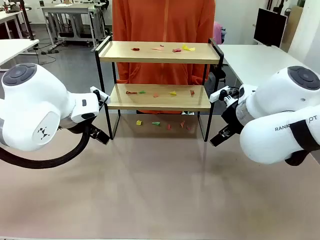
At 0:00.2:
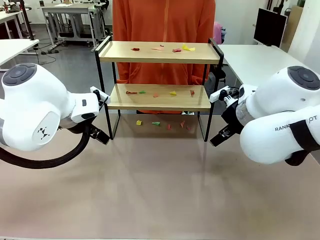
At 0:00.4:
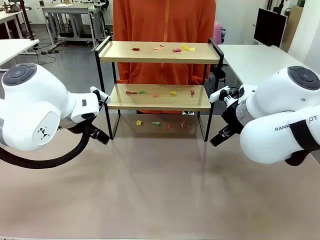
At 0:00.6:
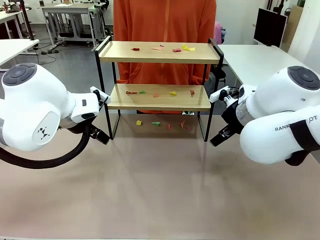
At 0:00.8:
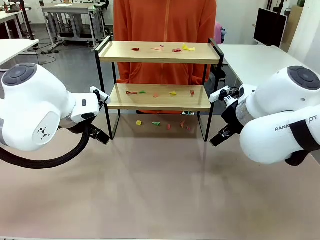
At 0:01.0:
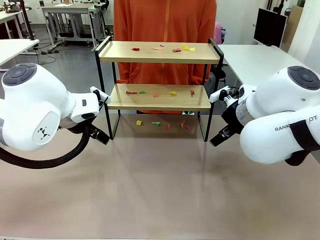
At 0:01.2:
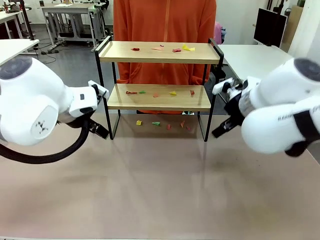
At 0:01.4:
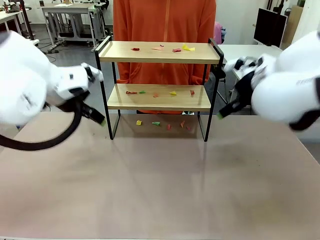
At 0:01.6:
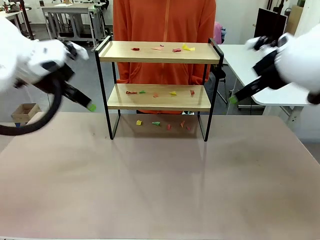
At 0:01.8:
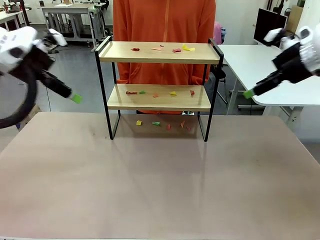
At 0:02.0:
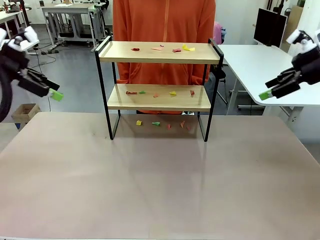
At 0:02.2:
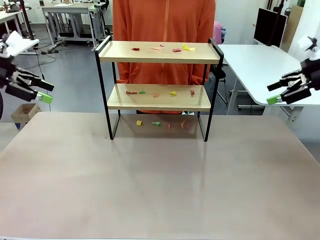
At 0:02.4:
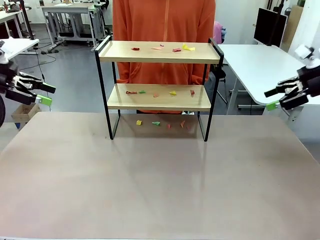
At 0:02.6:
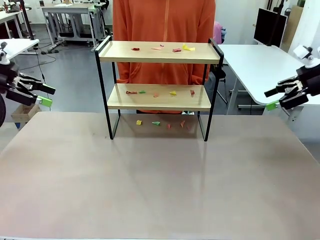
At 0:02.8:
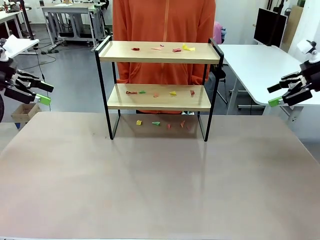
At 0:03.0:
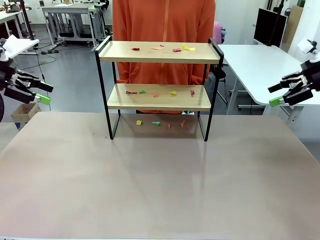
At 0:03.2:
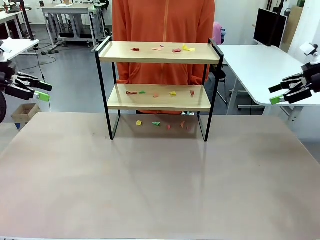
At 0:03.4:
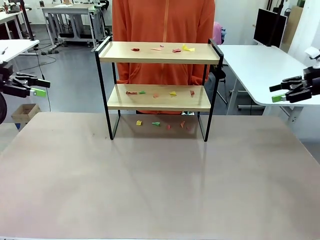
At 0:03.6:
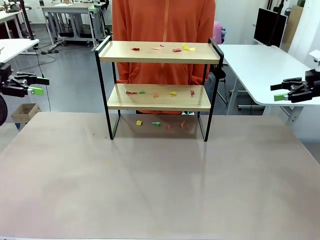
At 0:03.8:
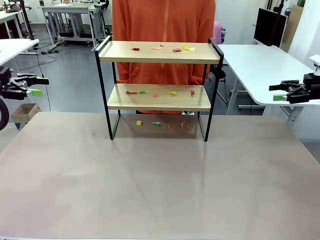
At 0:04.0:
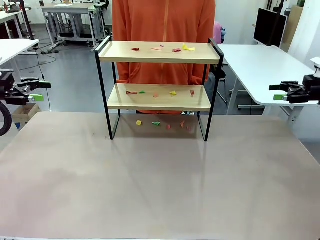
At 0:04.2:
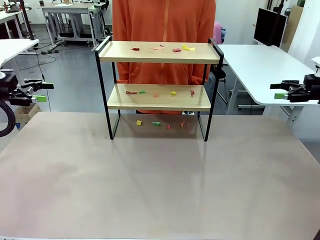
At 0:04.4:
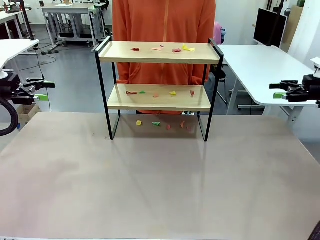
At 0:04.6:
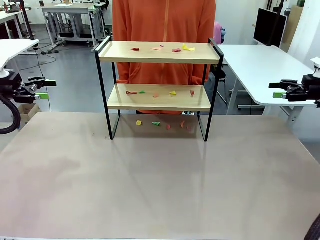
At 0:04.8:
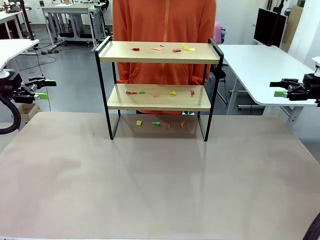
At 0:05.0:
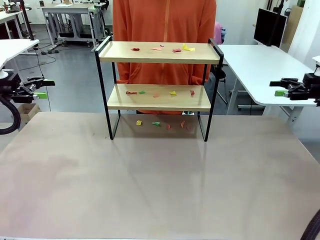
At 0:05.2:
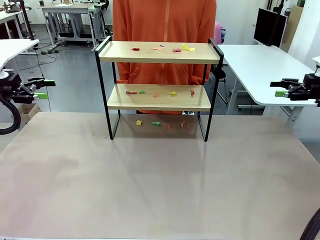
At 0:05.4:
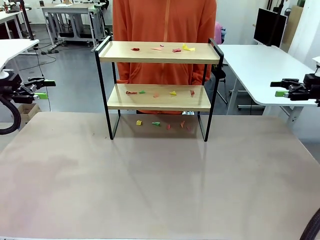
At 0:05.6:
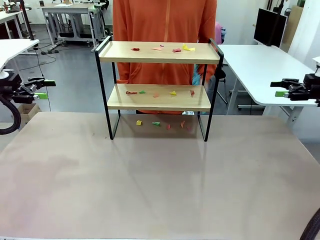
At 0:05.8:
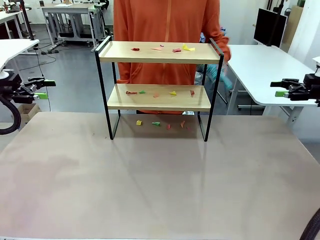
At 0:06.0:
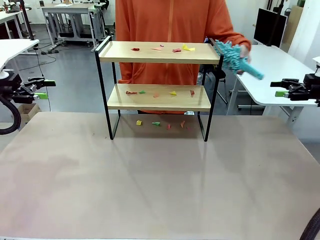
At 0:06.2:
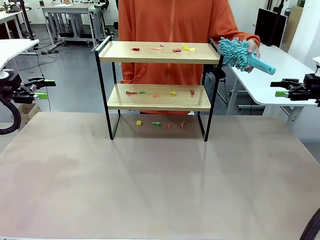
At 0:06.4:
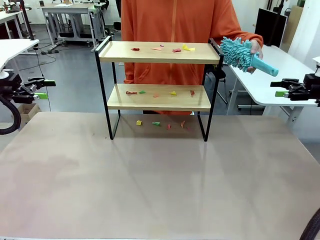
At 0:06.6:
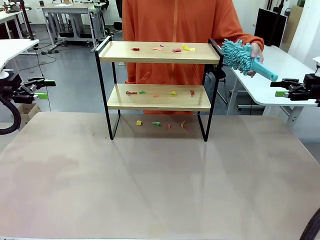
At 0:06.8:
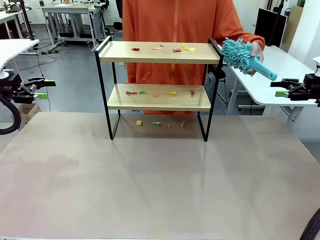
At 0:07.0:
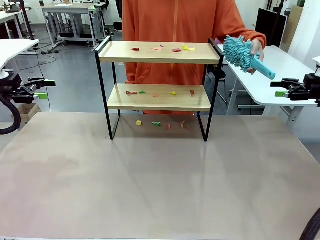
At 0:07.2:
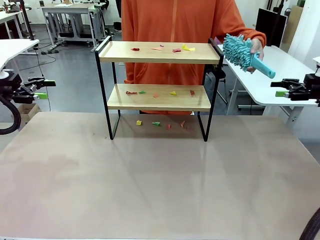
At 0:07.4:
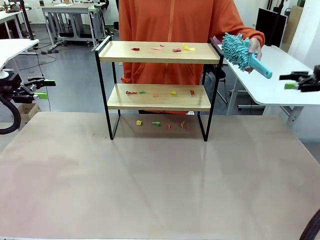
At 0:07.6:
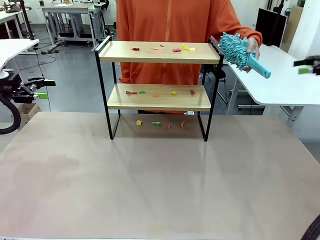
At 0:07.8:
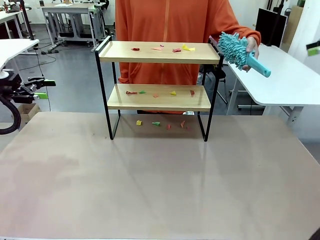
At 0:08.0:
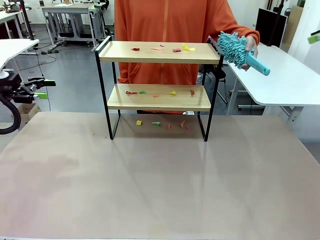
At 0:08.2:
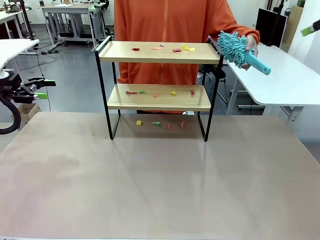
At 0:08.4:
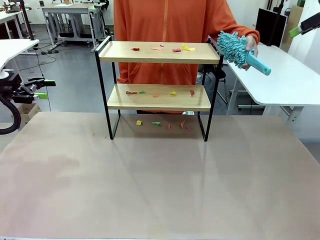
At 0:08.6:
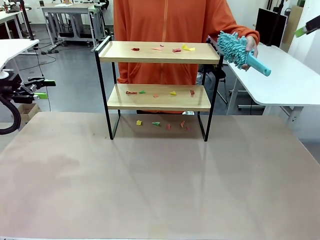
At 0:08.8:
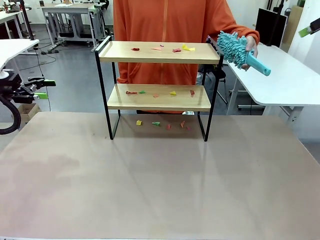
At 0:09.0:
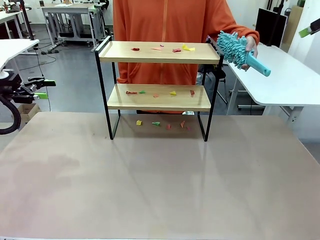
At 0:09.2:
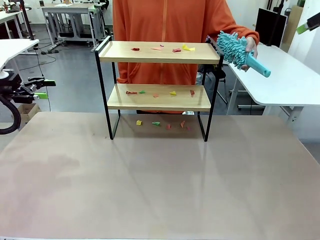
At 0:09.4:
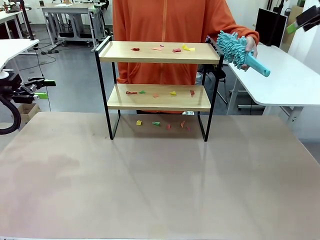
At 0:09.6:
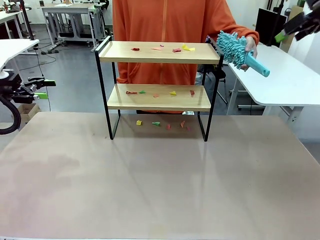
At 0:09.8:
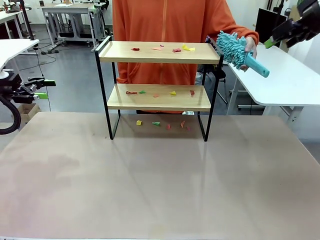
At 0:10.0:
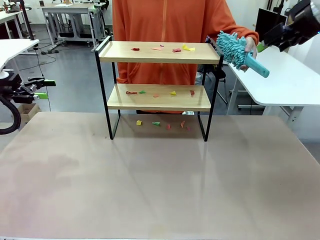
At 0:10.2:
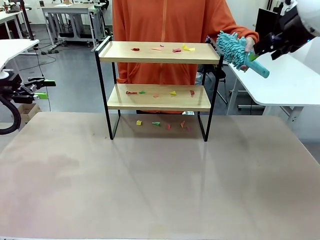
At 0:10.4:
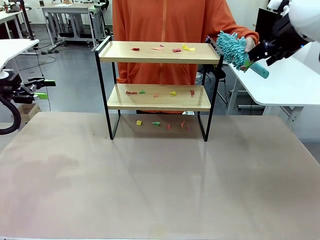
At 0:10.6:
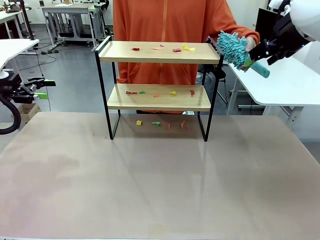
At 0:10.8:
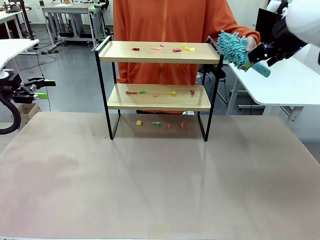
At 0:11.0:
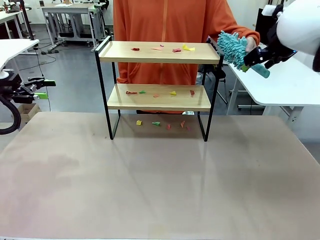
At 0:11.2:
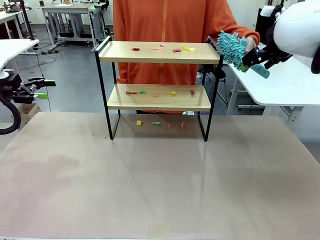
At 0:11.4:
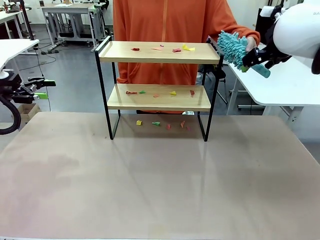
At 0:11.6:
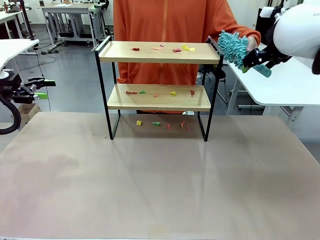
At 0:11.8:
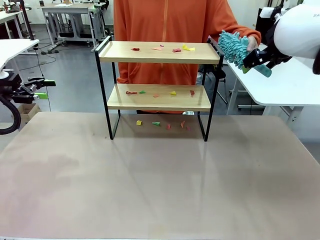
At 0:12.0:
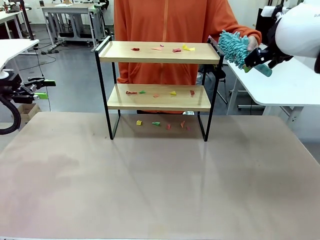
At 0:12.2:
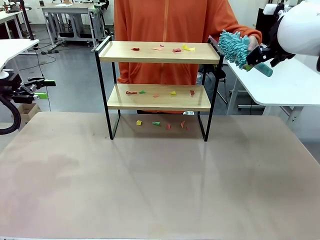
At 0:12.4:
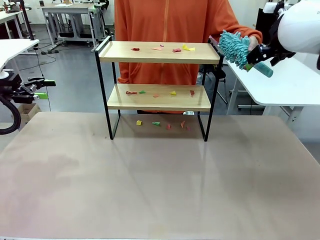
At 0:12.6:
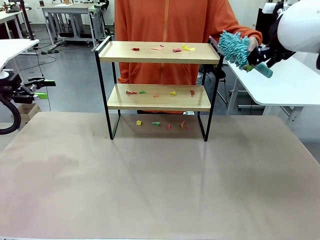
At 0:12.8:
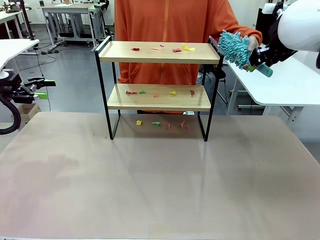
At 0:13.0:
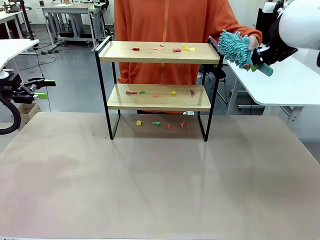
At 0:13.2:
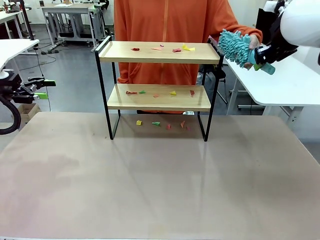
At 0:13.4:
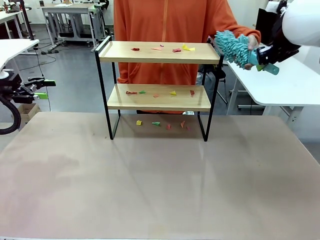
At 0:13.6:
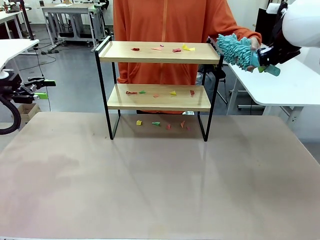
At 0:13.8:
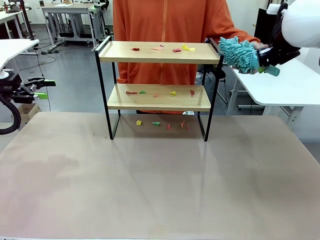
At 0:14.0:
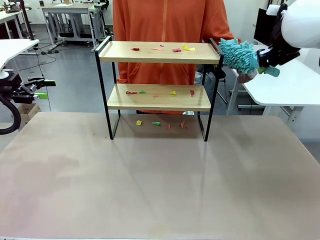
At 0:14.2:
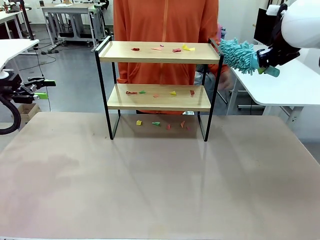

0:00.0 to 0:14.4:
Task: Clean the shelf.
Robot: Pick up the Duster handed by the human.
Person: Hand the Duster to the robot.
